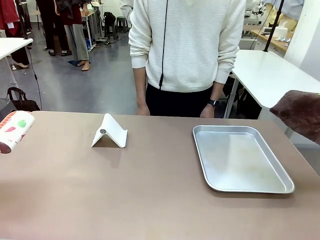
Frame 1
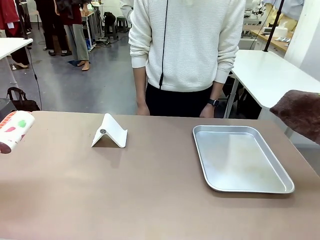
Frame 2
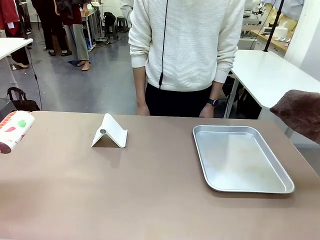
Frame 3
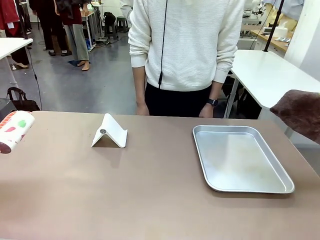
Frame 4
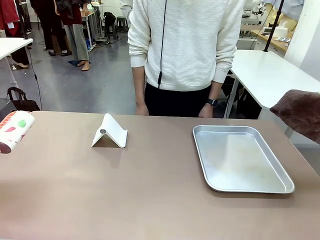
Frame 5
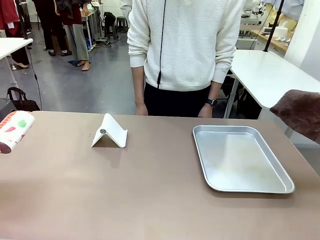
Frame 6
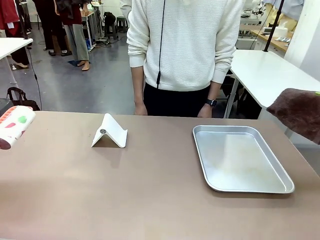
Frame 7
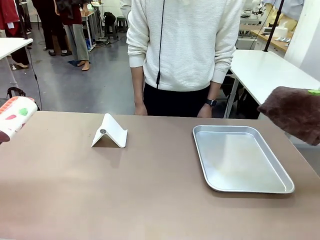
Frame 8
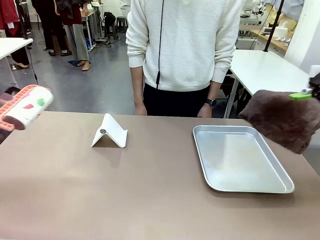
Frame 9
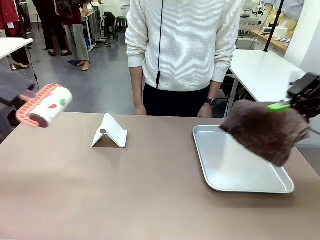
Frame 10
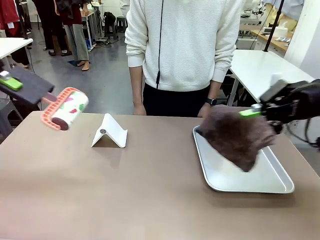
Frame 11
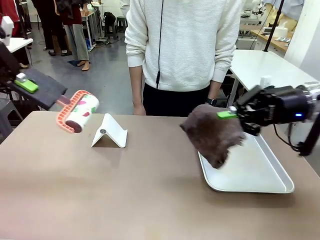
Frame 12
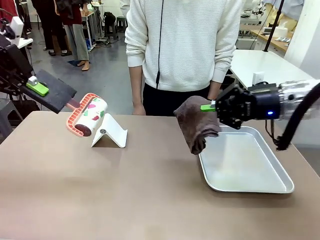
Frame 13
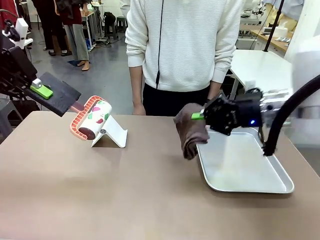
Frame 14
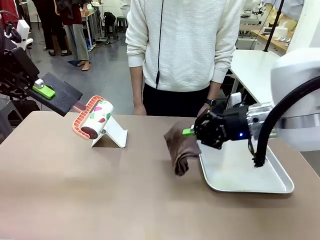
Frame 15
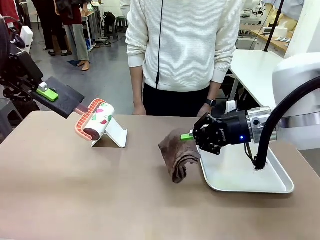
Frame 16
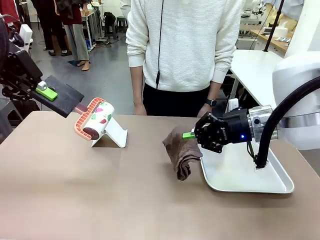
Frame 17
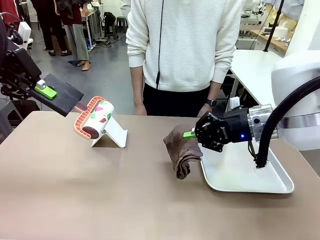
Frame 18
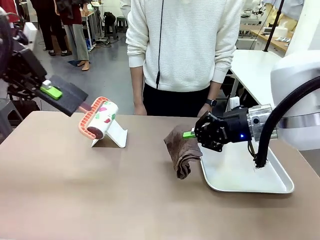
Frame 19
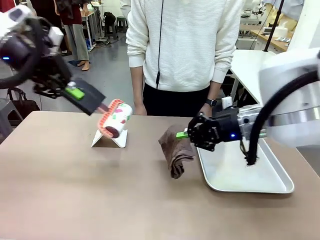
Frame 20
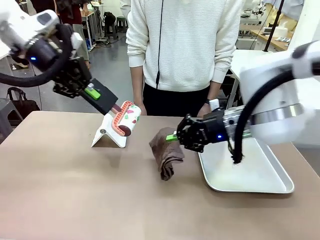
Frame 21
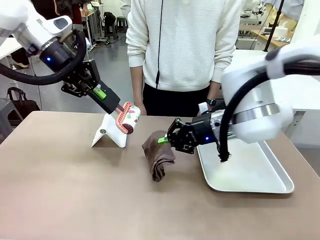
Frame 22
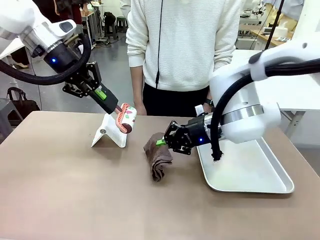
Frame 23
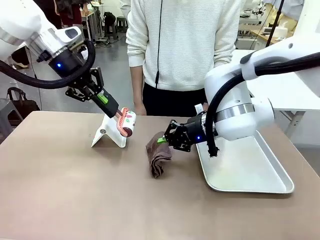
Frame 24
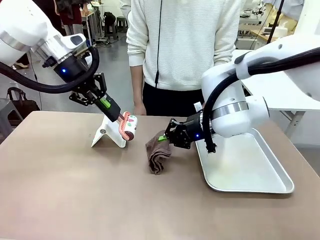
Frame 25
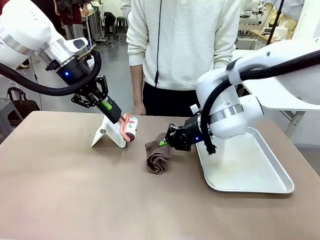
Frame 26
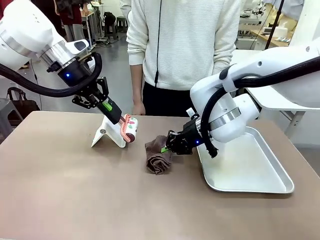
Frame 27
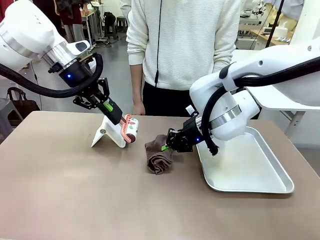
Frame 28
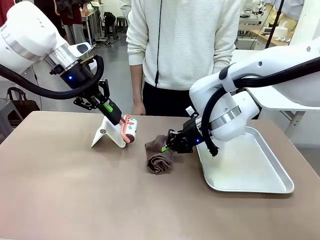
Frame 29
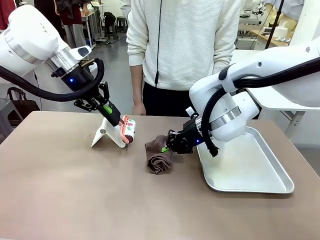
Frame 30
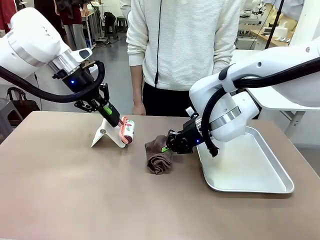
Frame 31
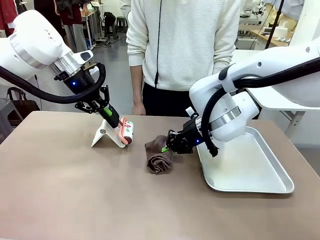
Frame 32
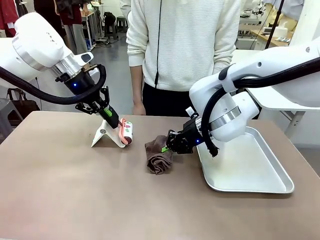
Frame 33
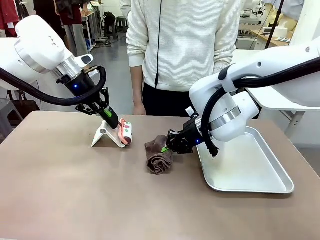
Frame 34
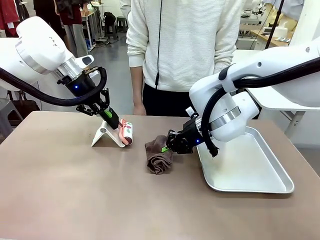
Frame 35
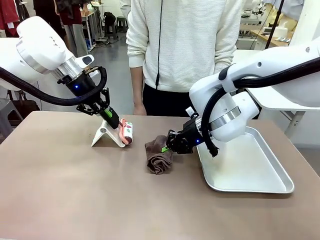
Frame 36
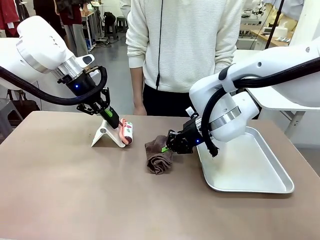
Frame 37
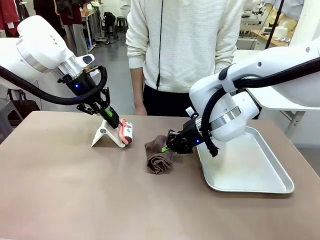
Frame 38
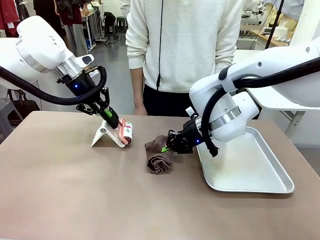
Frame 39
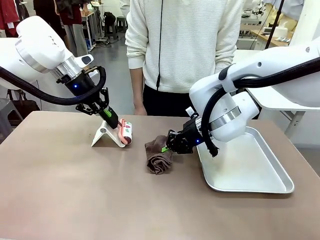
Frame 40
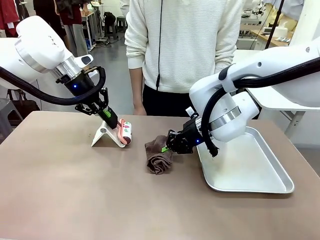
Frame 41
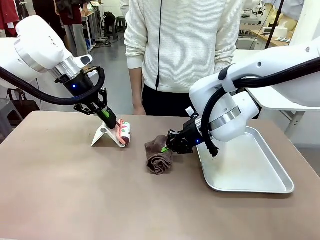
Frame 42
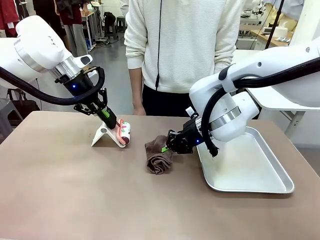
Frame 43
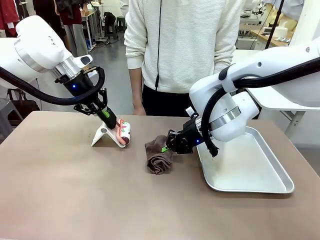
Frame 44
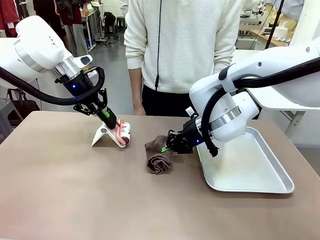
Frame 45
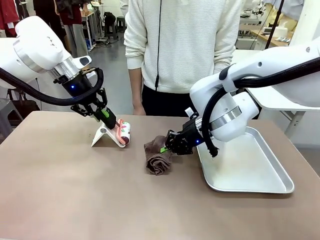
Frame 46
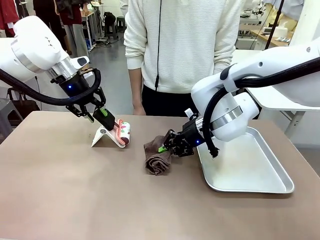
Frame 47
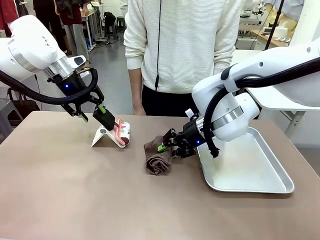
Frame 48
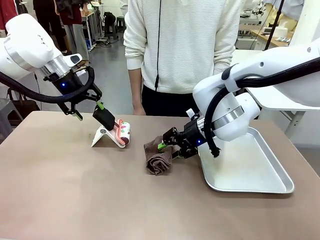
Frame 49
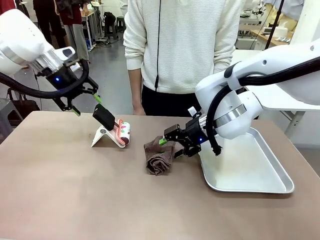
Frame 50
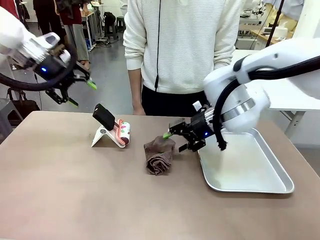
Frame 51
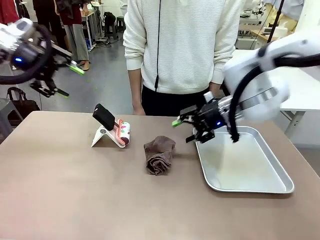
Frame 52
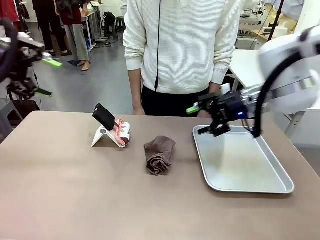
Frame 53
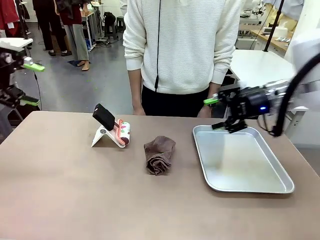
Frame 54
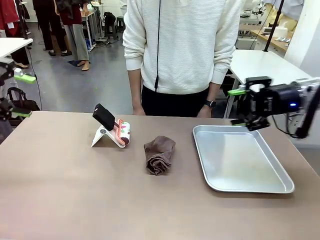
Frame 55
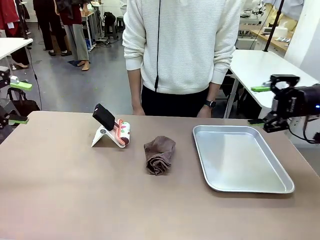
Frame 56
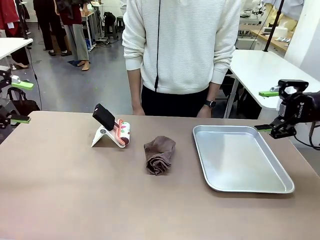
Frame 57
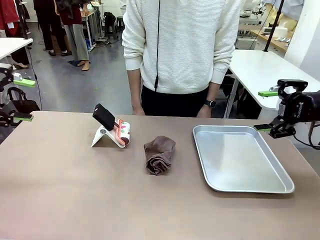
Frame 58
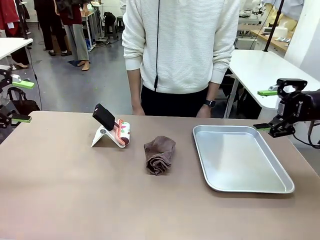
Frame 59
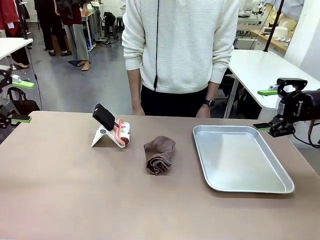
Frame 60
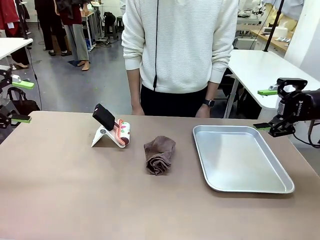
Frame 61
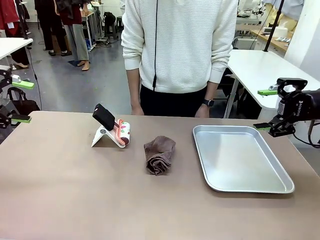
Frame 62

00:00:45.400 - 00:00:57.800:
Task: Clean the surface of the table.
Robot: Return the Lint Roller and towel to their original positions.

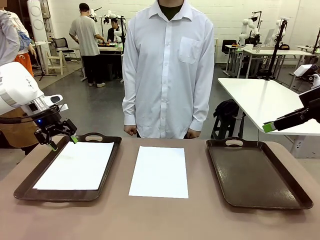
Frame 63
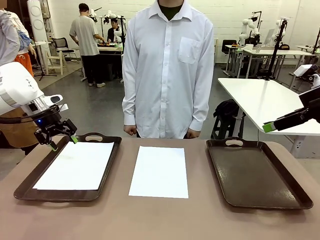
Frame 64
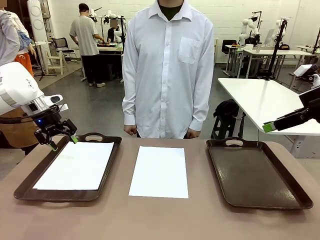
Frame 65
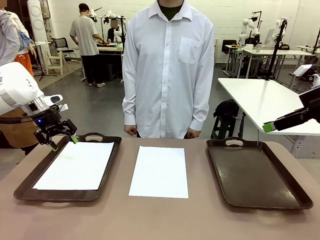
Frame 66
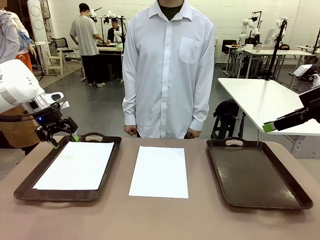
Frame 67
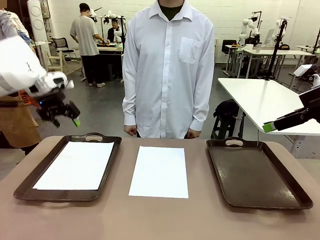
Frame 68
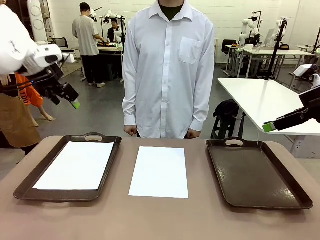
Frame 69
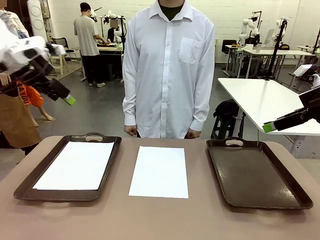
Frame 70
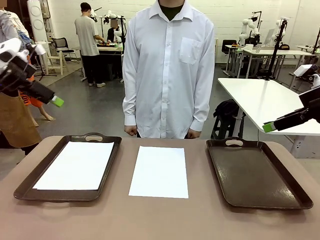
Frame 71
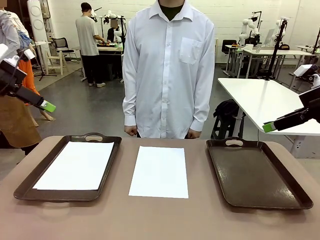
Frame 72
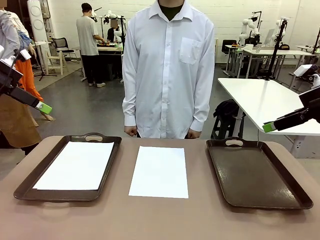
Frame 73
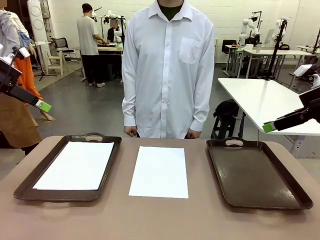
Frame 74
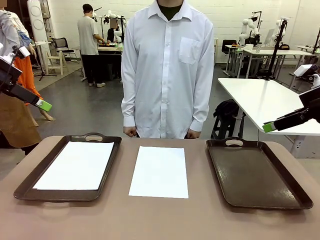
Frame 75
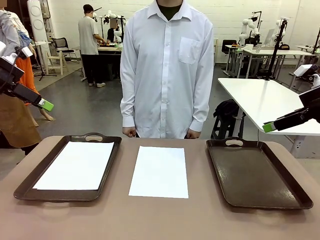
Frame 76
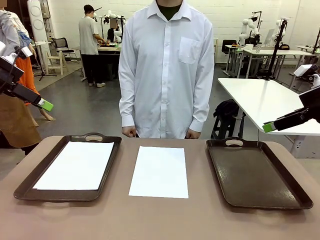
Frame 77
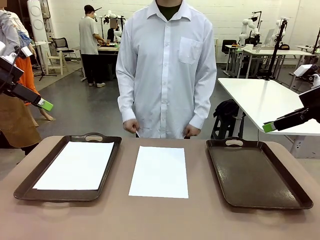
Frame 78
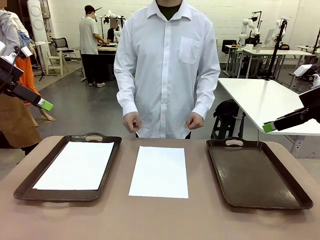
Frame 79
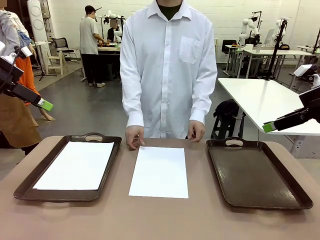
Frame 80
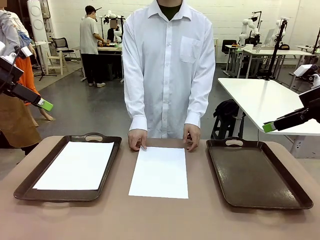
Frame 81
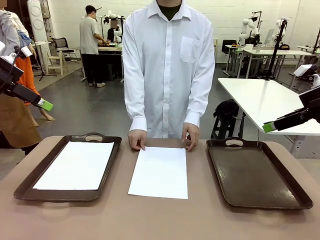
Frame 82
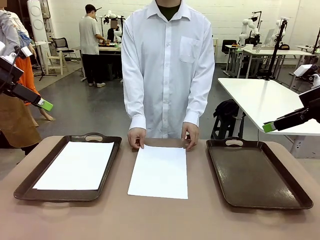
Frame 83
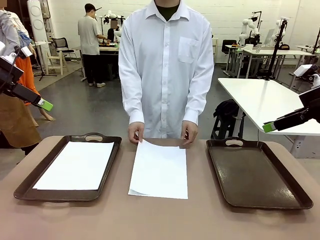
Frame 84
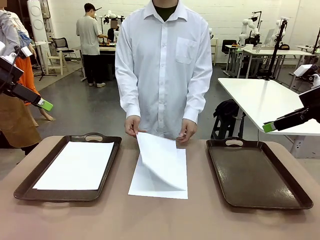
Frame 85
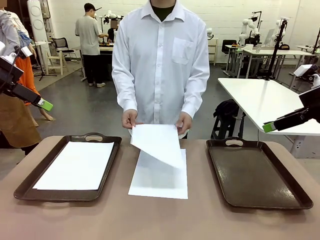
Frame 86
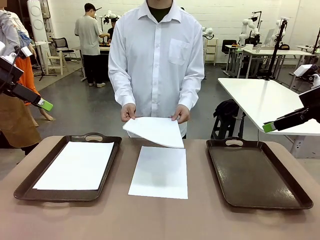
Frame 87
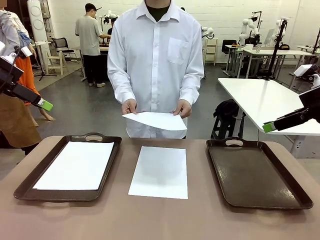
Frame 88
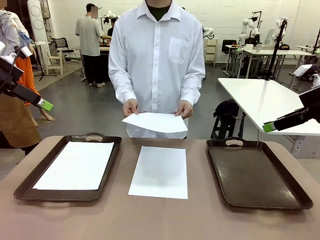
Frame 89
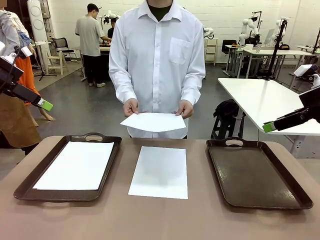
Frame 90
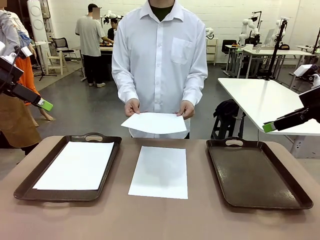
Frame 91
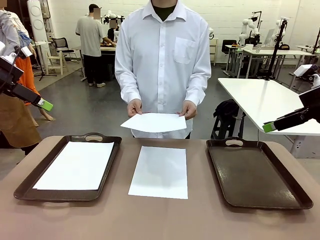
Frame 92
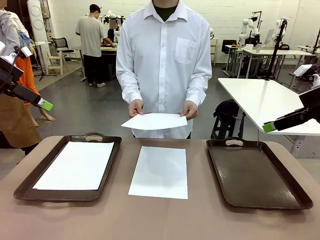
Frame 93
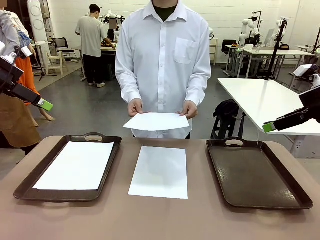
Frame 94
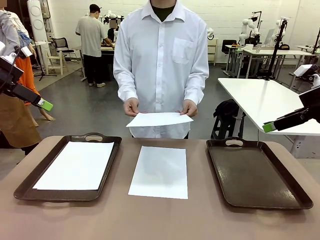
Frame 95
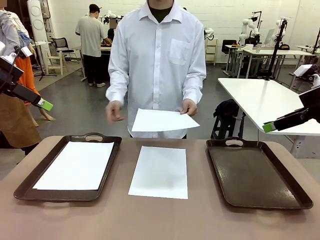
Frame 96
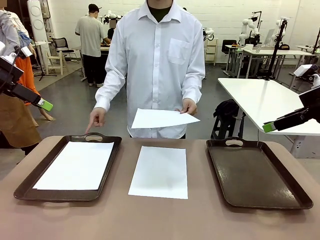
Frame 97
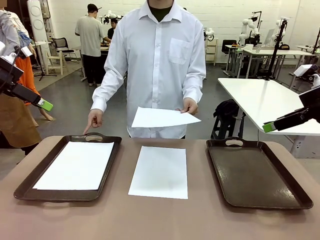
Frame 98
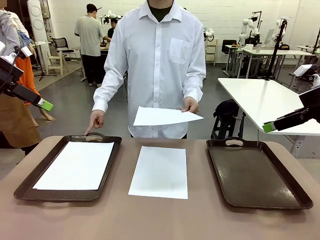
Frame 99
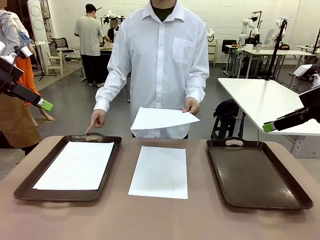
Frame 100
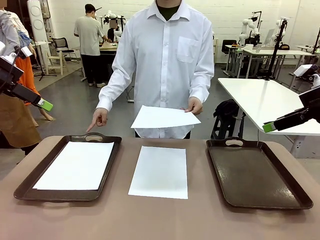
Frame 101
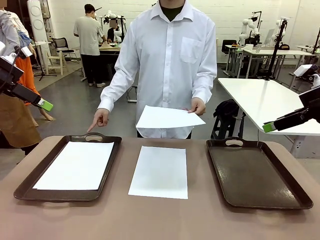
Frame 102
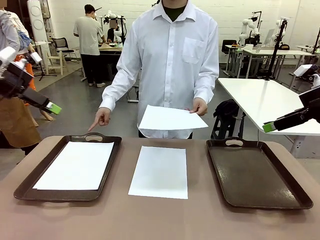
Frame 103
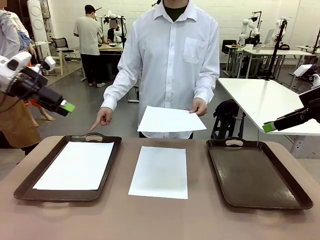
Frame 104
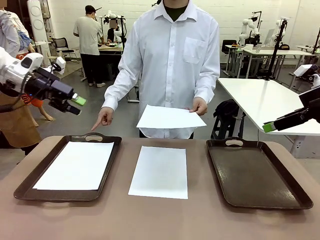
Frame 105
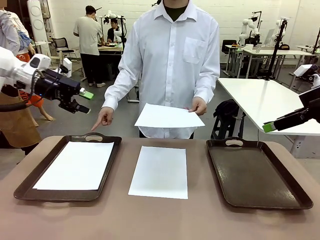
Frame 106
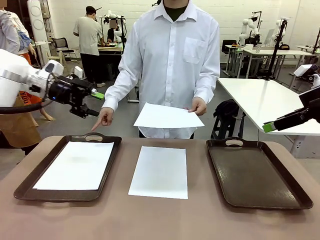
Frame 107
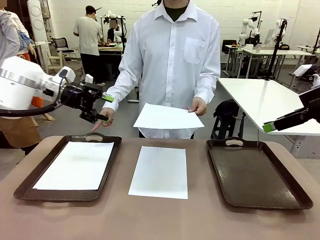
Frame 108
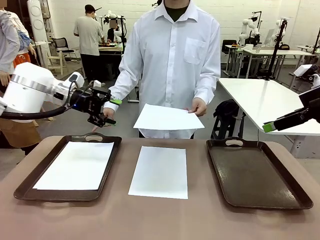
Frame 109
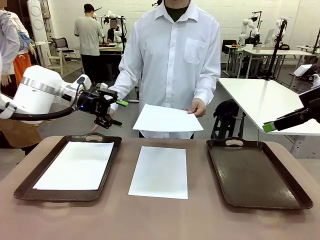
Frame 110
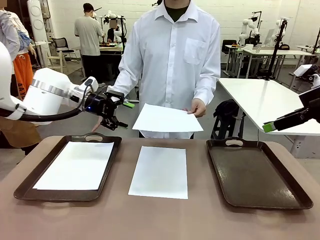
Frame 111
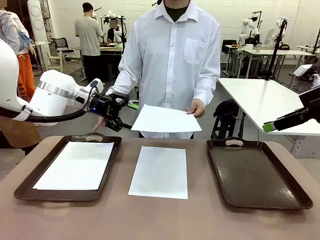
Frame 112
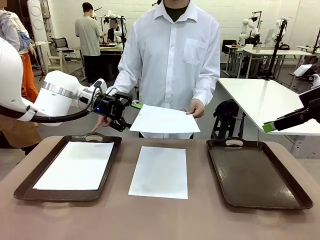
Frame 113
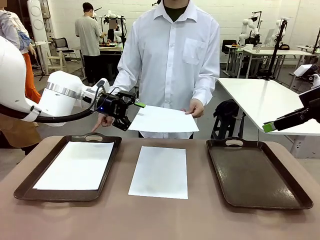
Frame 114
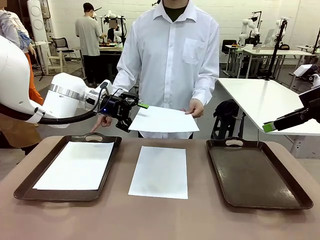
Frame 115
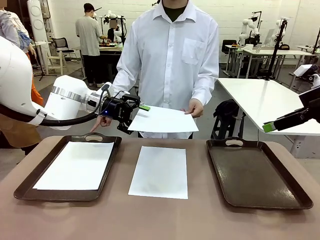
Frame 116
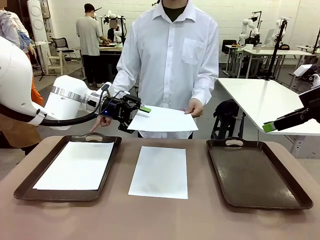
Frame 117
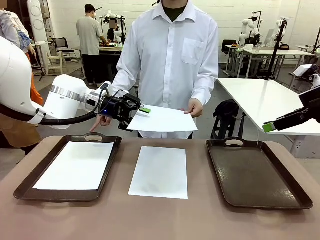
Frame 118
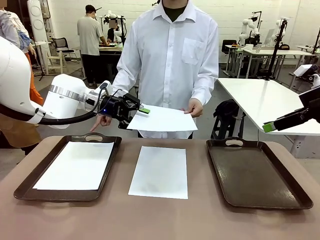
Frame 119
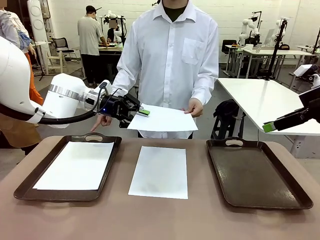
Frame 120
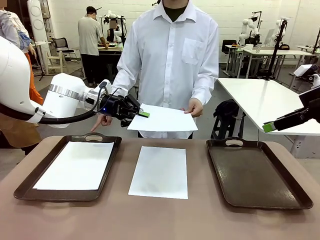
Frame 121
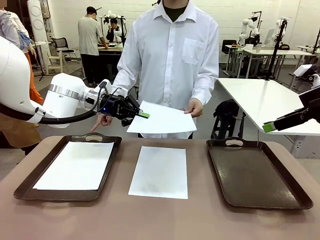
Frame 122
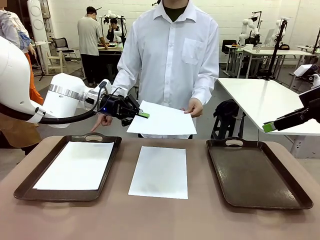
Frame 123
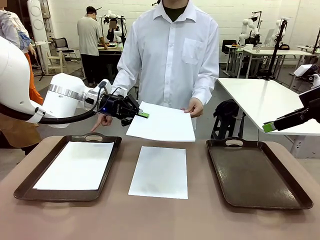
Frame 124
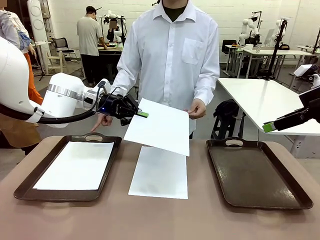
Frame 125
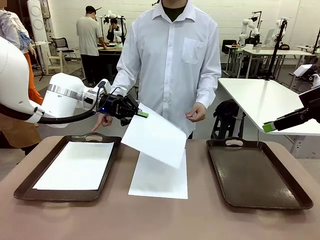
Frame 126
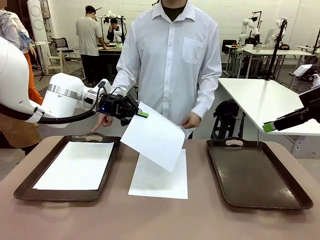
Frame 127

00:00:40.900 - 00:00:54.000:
Task: Sort the A4 documents.
Robot: Receive the A4 Paper.
Person: Point the randomly selected tray with the other hand.
